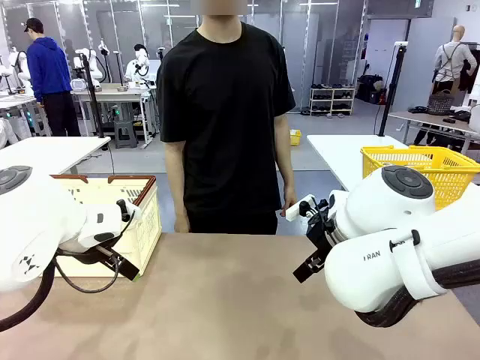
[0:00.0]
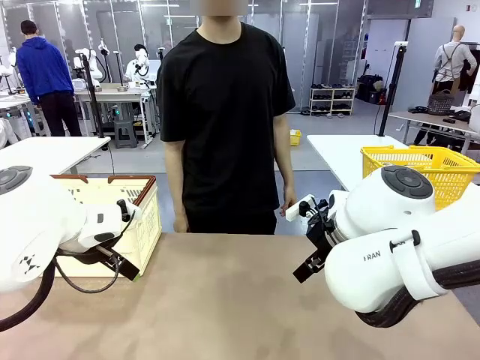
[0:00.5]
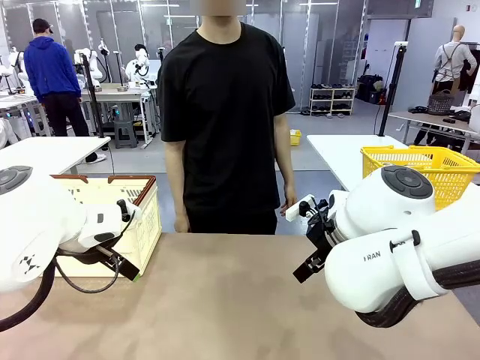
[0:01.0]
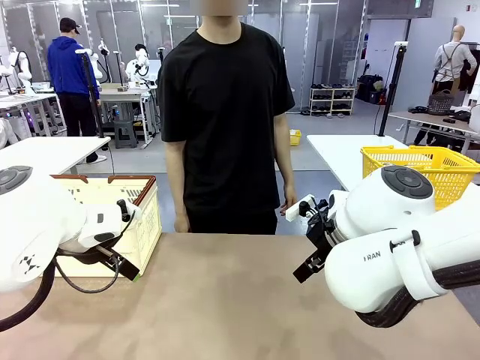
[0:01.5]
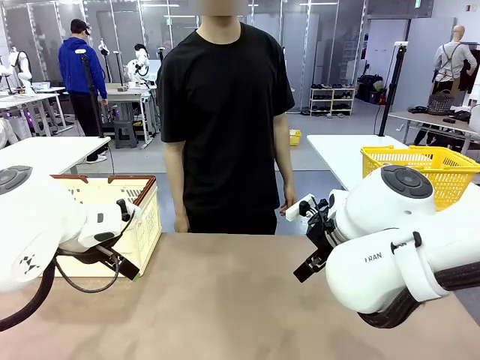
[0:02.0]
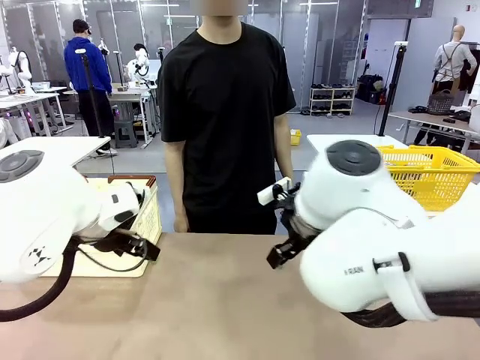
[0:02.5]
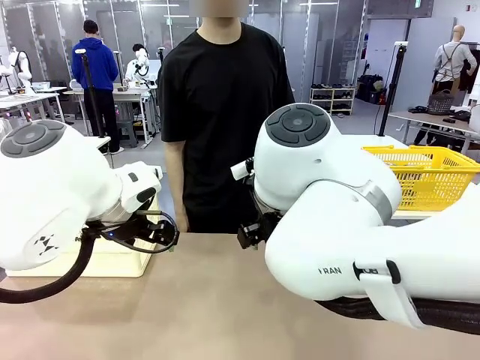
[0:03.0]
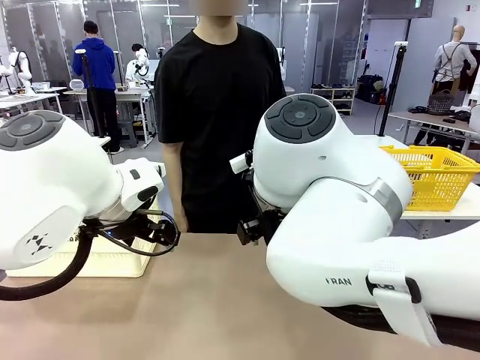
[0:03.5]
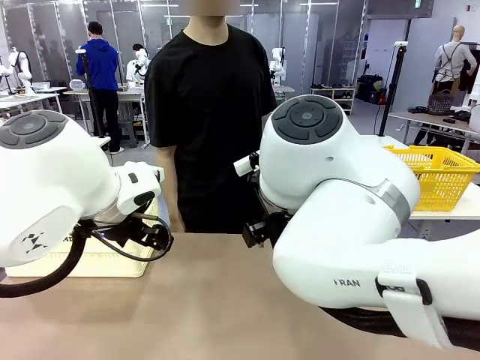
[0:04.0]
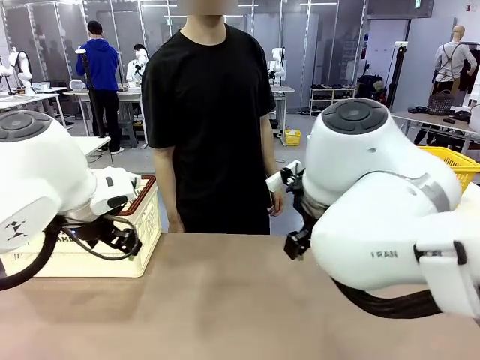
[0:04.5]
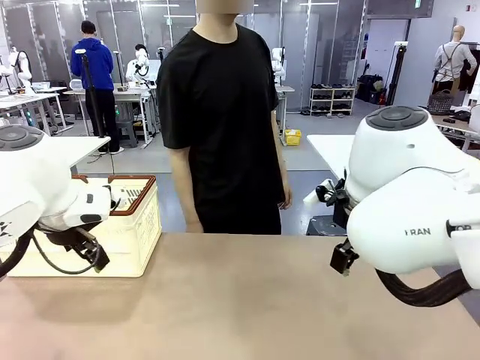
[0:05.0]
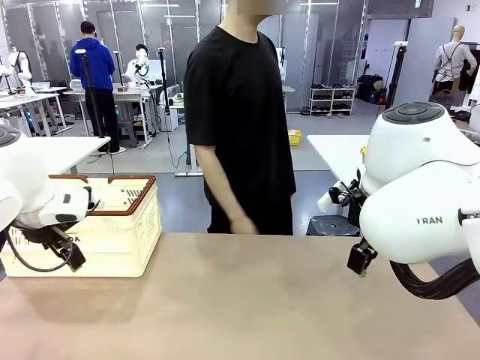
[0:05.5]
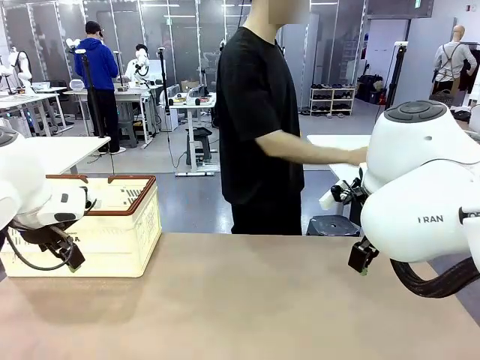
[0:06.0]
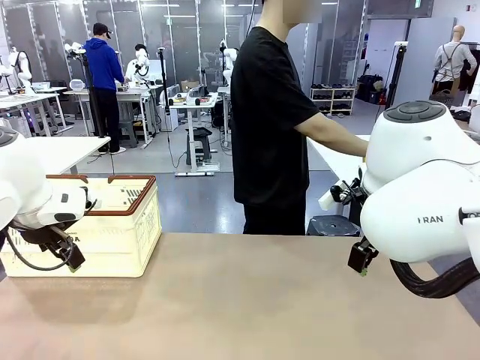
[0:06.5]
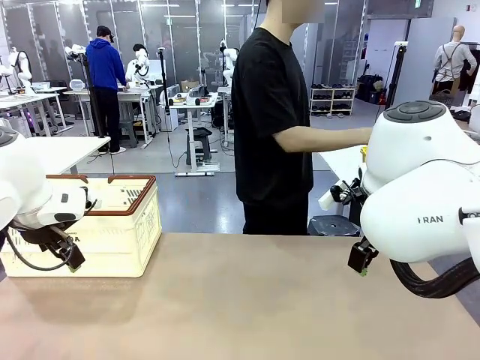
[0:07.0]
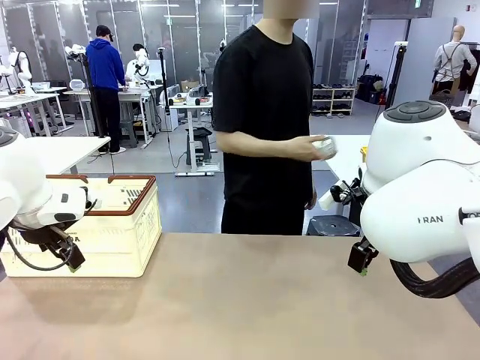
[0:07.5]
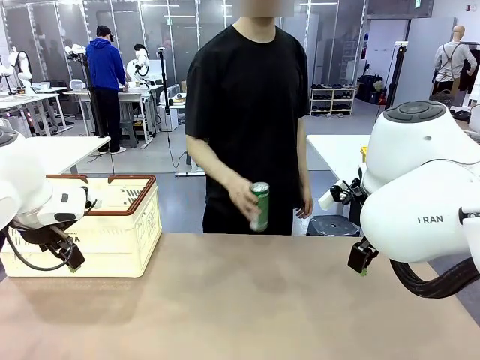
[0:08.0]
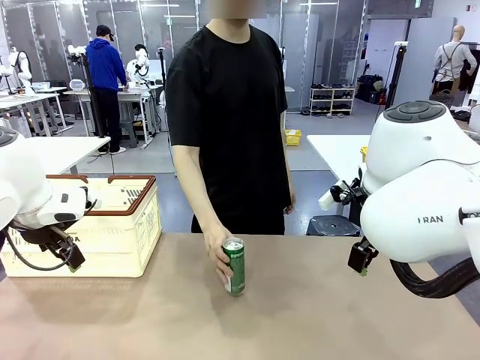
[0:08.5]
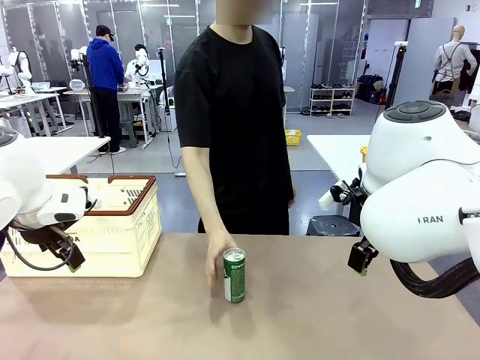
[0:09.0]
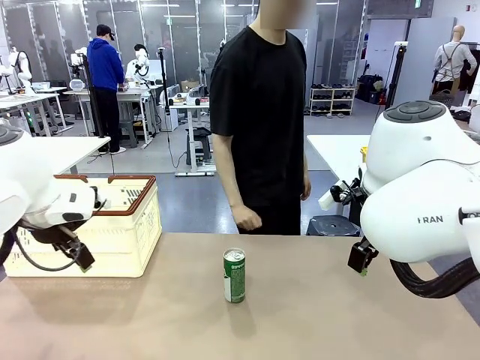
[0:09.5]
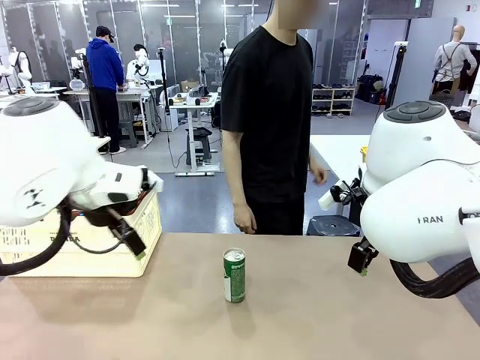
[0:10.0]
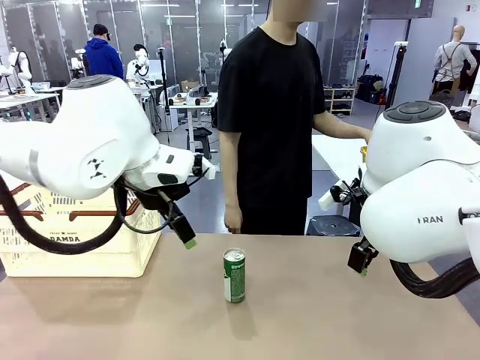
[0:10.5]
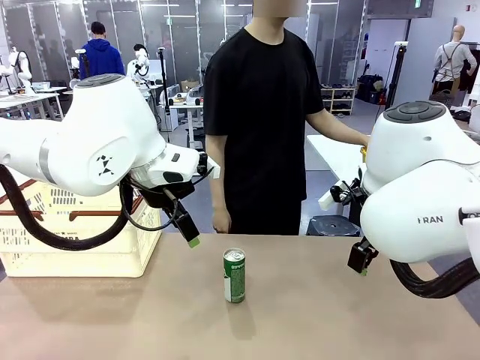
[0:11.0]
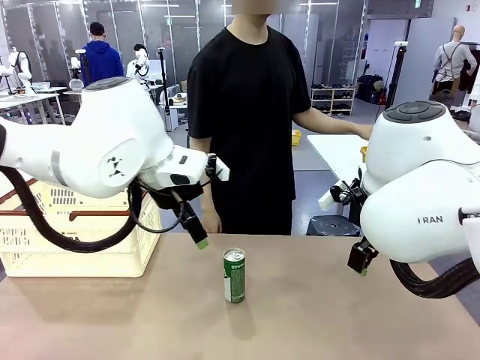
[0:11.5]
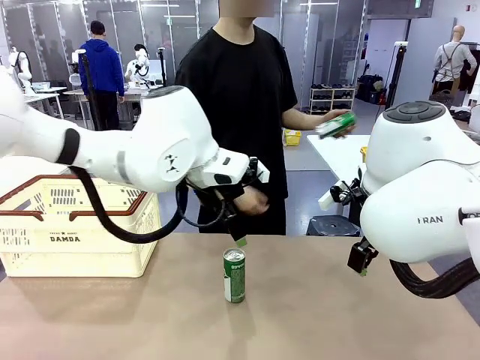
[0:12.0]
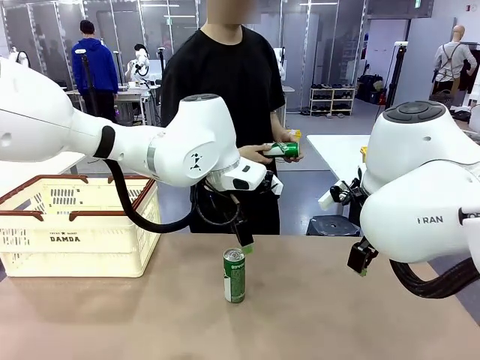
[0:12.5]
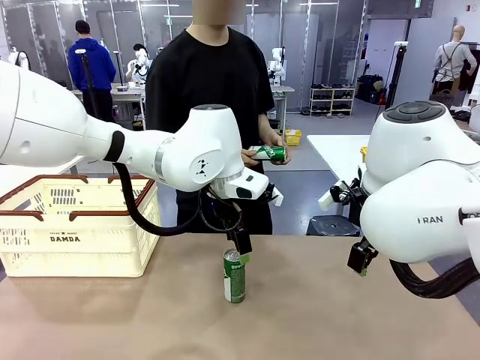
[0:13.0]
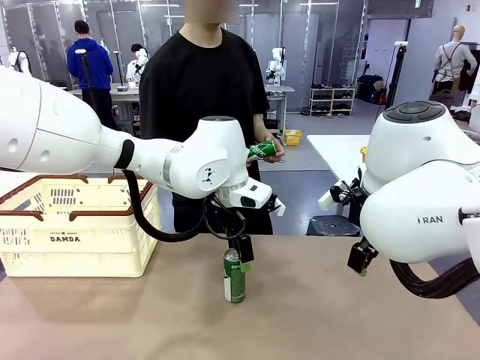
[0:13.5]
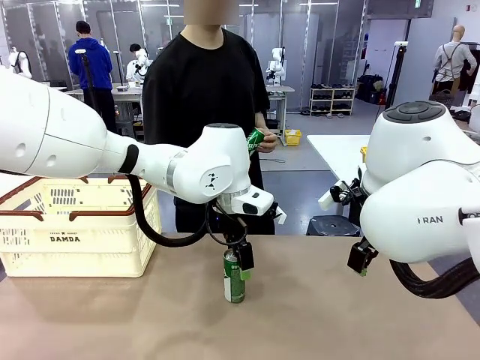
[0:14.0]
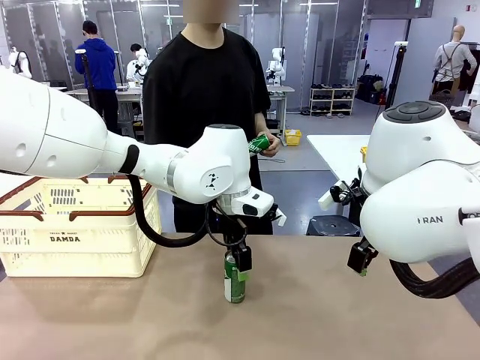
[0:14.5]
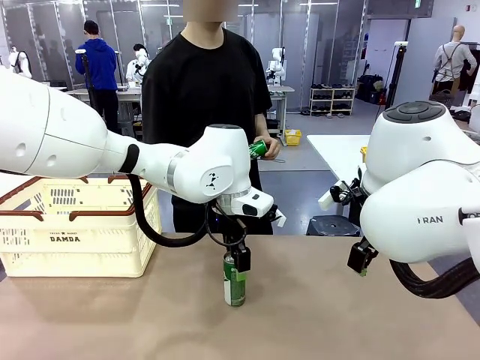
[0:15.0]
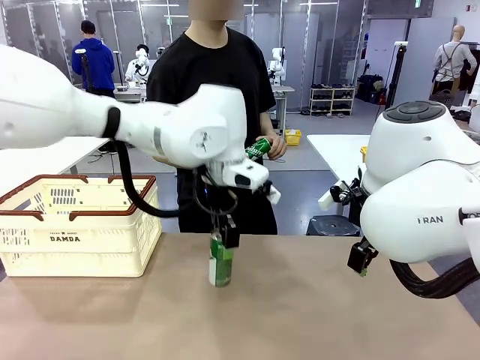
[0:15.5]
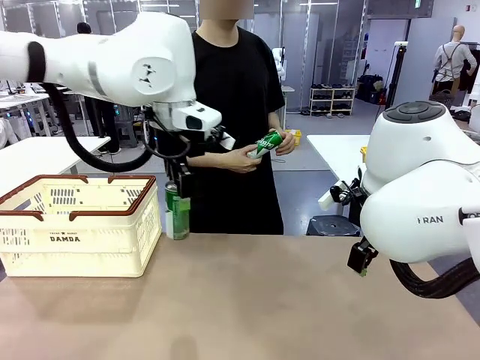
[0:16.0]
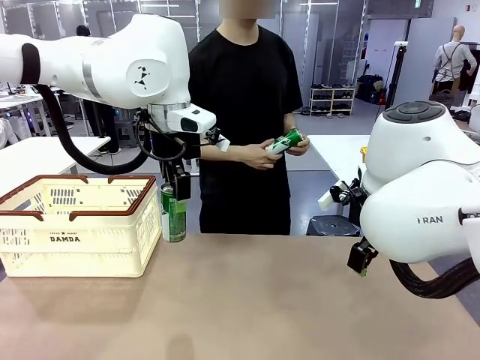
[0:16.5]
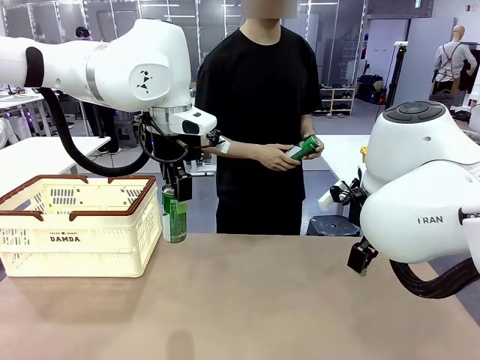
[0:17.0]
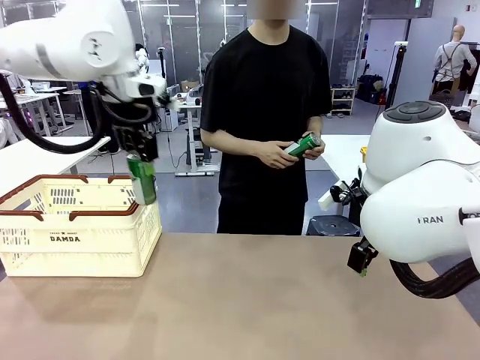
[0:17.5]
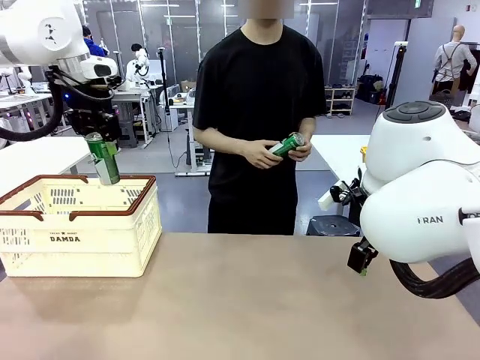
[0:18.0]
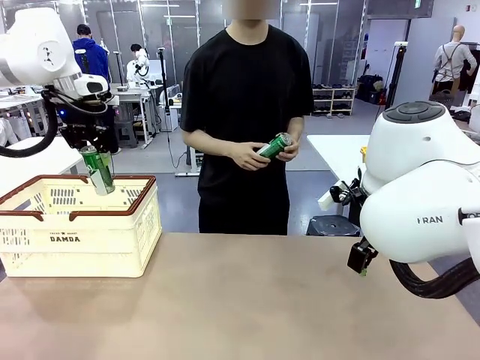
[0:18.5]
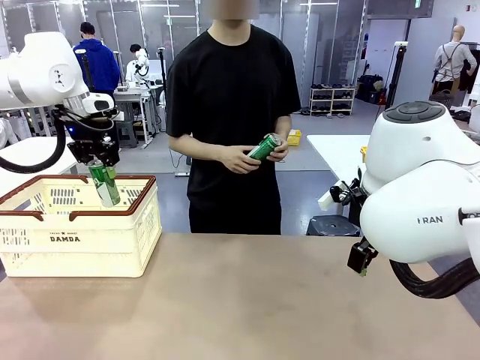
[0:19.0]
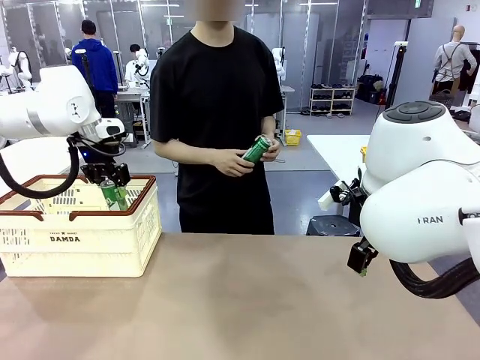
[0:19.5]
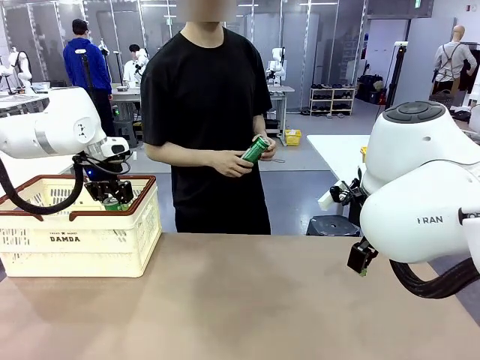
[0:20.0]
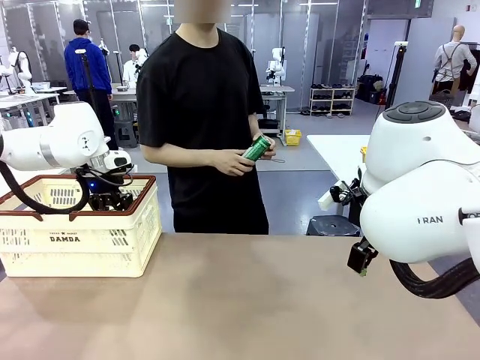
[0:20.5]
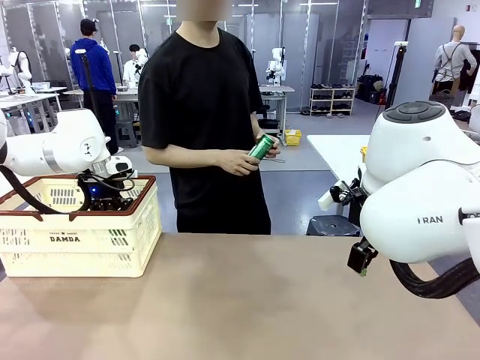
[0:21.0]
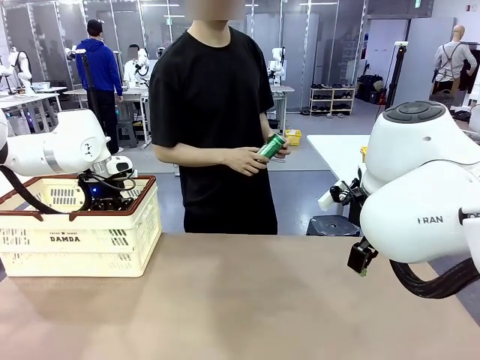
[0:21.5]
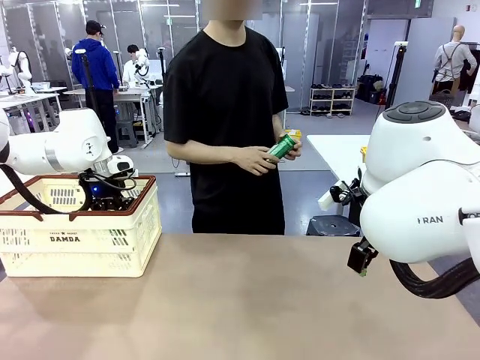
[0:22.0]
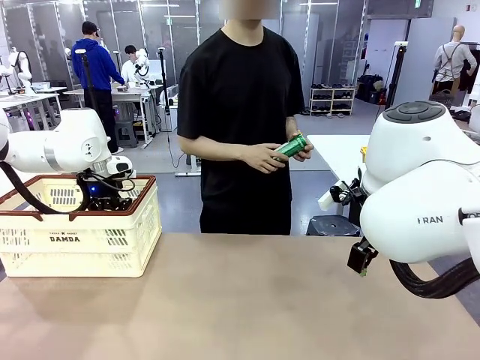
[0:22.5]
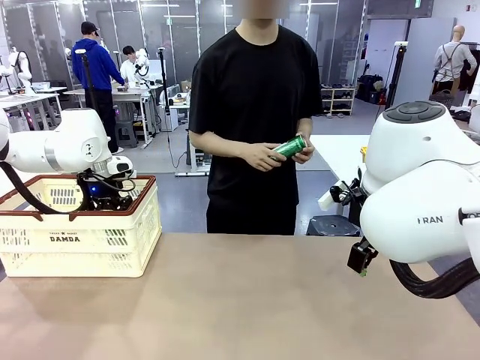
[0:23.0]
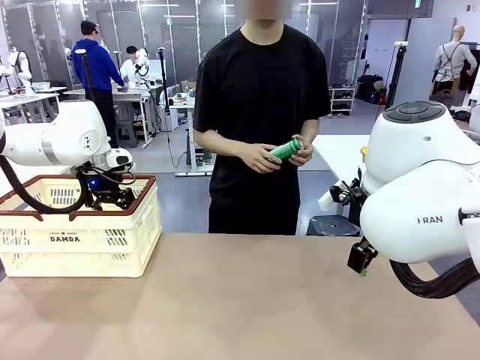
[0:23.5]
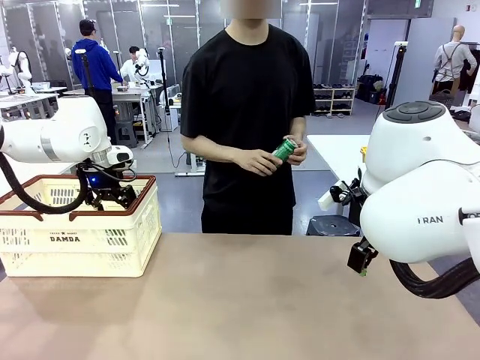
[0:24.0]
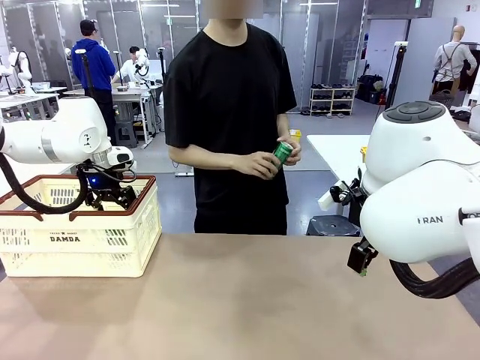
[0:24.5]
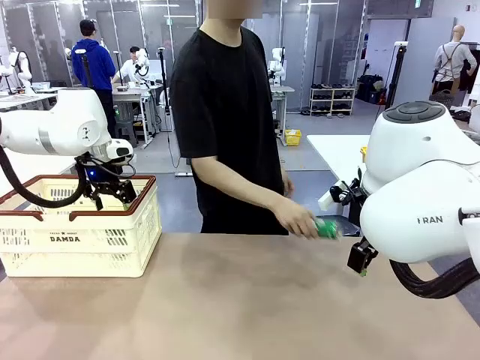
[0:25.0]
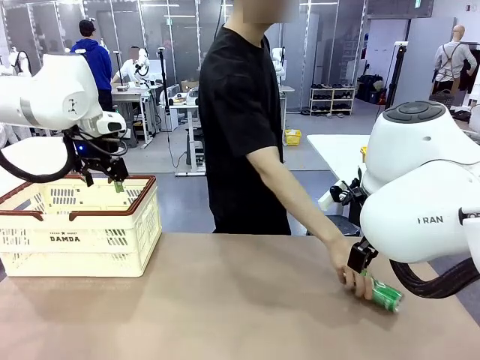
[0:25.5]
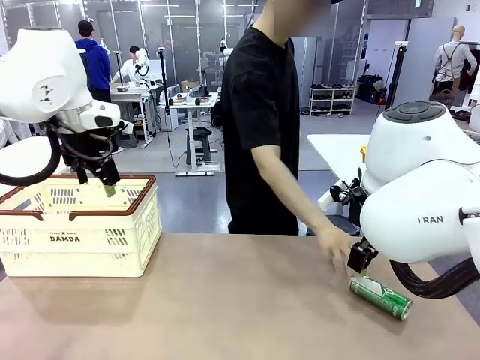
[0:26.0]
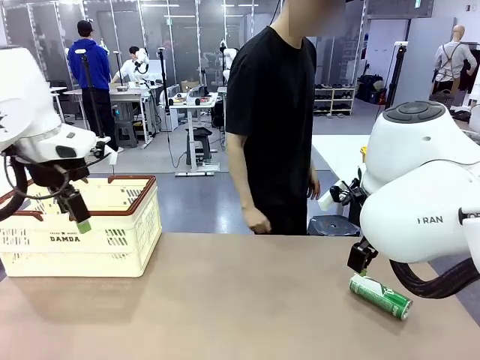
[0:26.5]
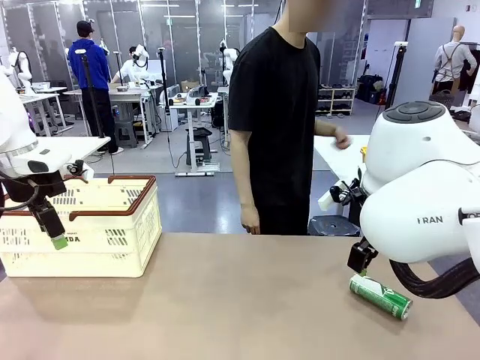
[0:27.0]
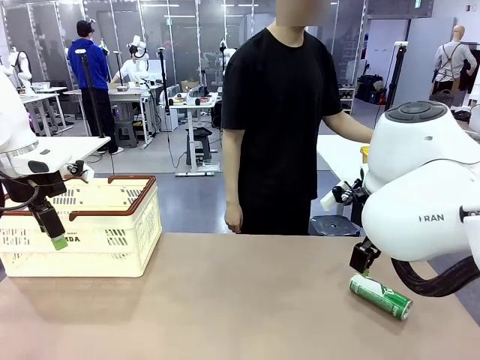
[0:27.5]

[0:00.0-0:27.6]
Task: Place the drinks into the Shopping basket.
Robot: Pick up one drink and place it into the Shopping basket.
